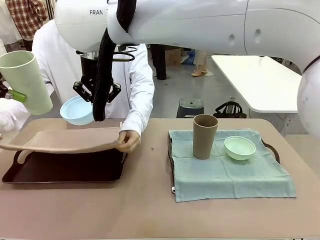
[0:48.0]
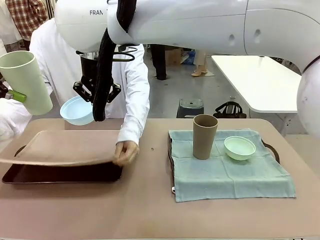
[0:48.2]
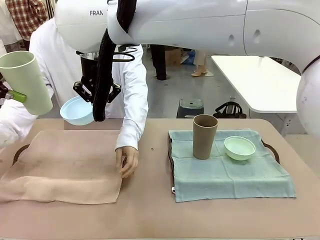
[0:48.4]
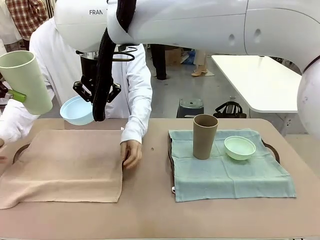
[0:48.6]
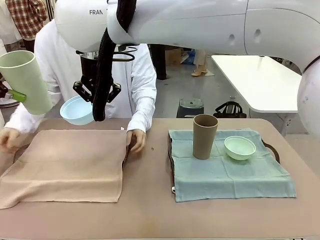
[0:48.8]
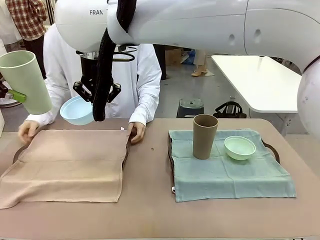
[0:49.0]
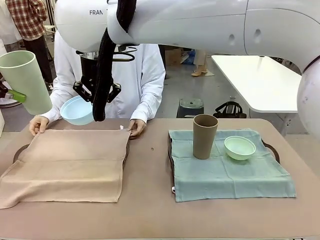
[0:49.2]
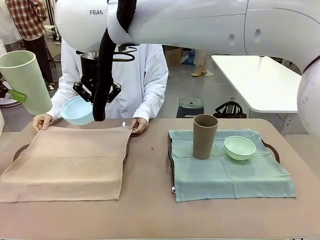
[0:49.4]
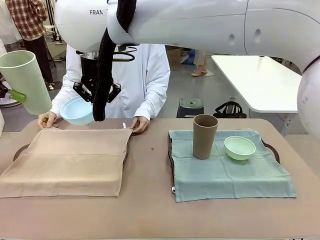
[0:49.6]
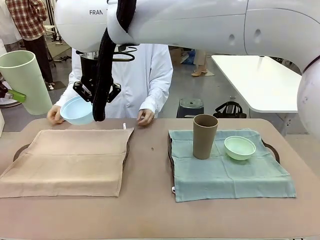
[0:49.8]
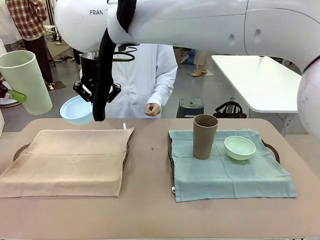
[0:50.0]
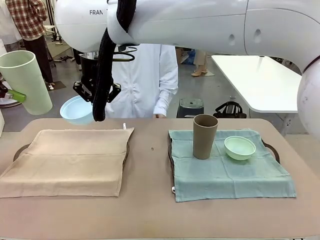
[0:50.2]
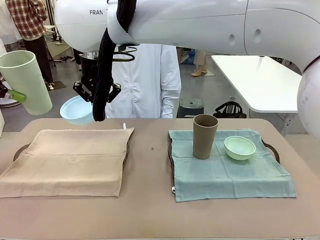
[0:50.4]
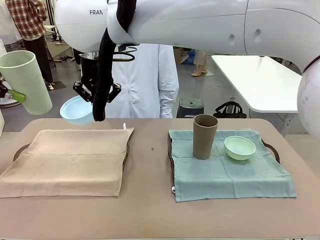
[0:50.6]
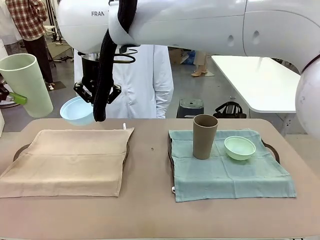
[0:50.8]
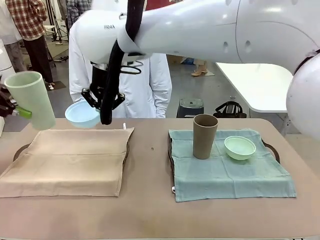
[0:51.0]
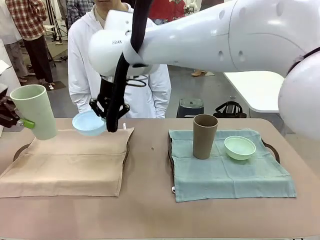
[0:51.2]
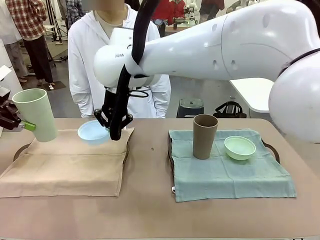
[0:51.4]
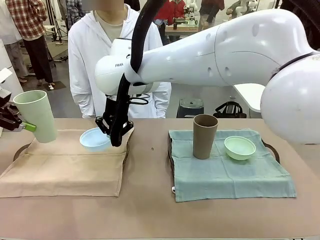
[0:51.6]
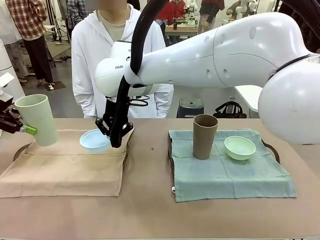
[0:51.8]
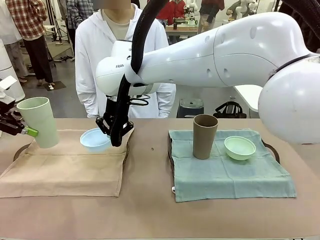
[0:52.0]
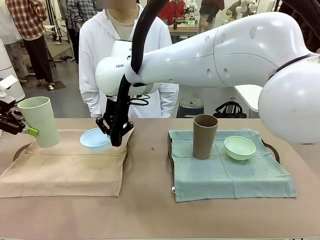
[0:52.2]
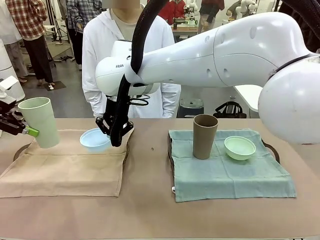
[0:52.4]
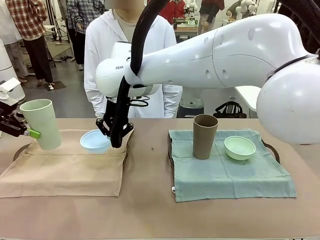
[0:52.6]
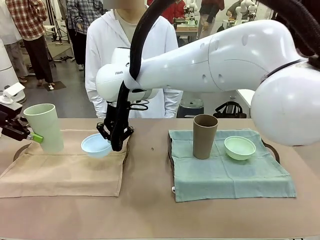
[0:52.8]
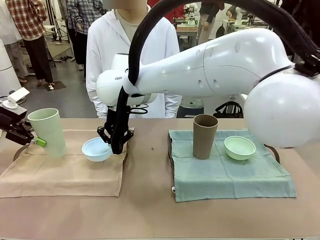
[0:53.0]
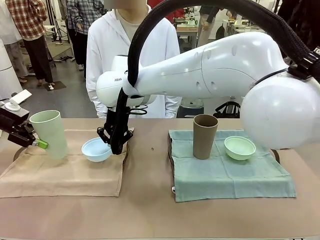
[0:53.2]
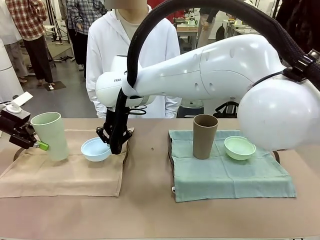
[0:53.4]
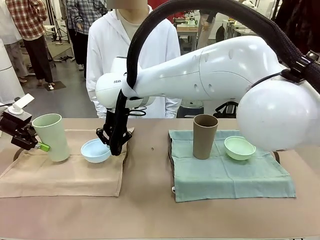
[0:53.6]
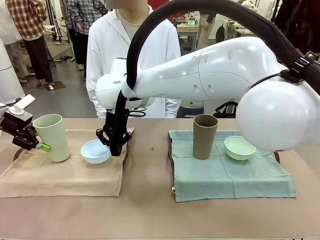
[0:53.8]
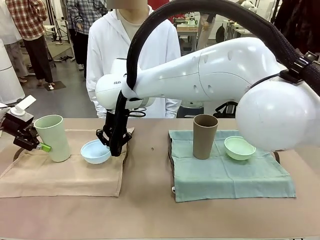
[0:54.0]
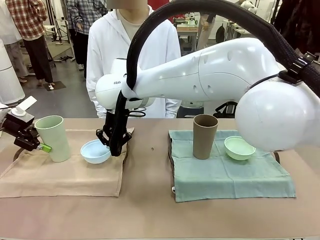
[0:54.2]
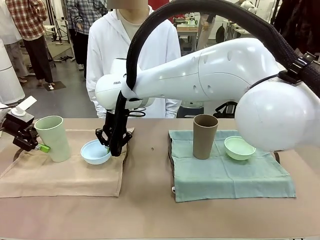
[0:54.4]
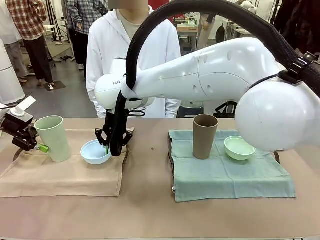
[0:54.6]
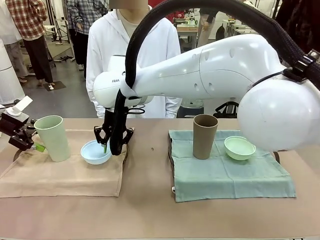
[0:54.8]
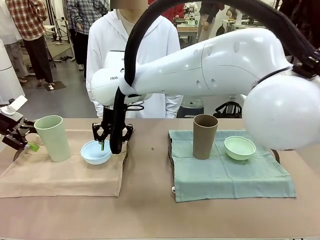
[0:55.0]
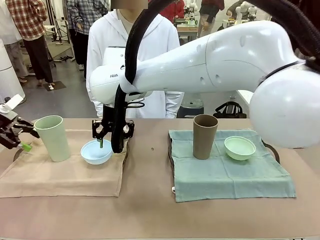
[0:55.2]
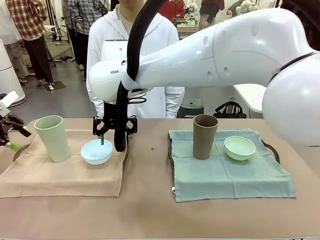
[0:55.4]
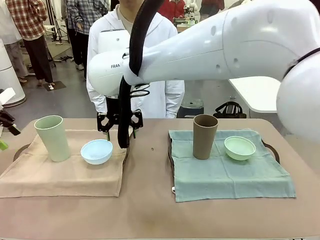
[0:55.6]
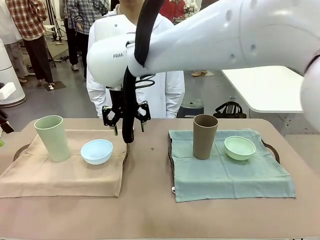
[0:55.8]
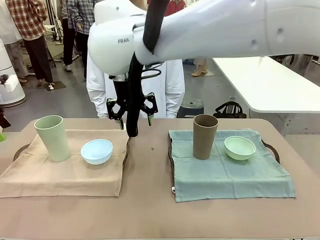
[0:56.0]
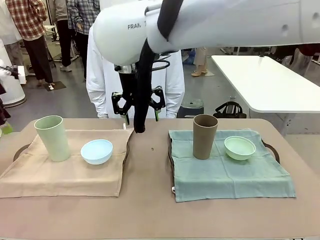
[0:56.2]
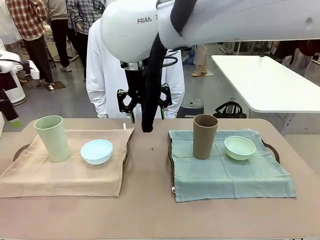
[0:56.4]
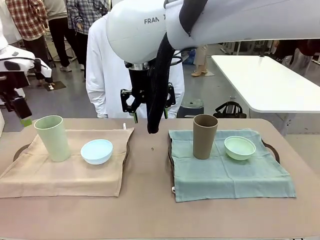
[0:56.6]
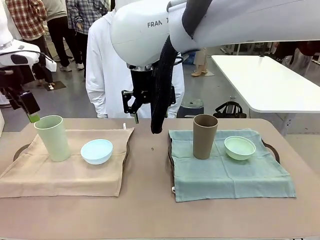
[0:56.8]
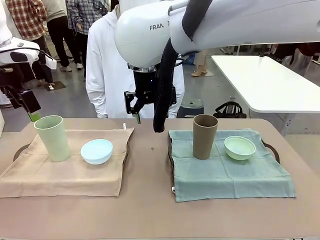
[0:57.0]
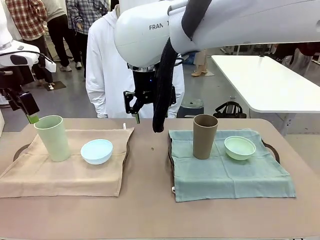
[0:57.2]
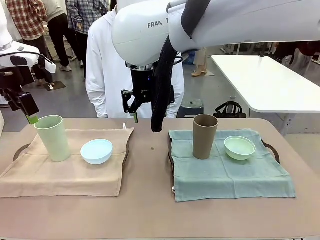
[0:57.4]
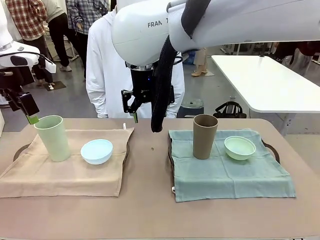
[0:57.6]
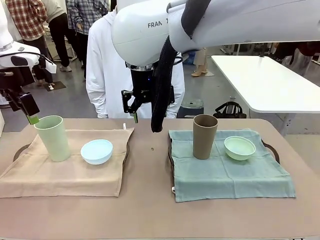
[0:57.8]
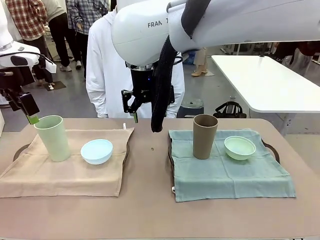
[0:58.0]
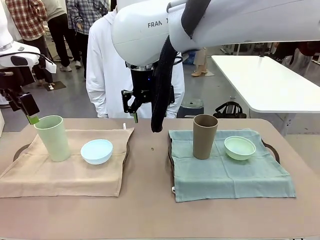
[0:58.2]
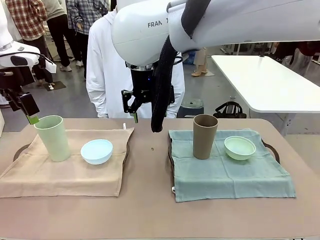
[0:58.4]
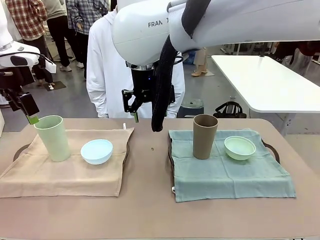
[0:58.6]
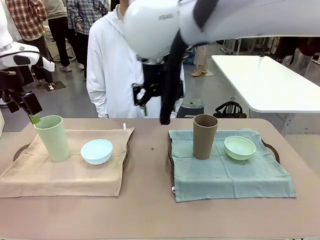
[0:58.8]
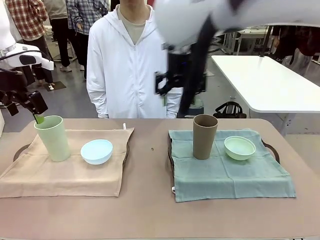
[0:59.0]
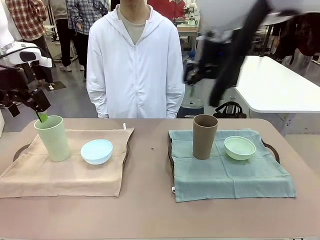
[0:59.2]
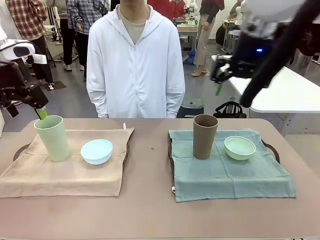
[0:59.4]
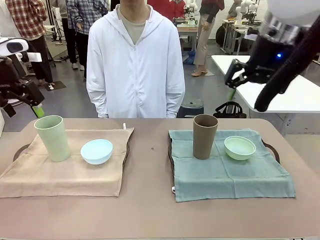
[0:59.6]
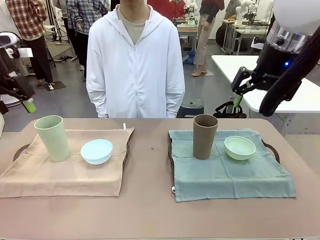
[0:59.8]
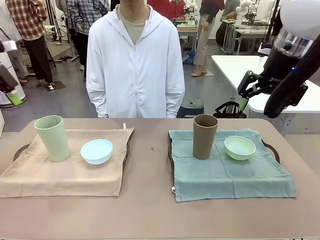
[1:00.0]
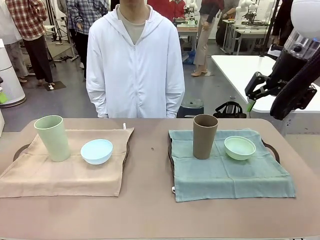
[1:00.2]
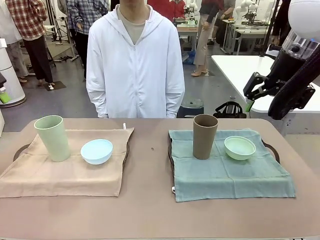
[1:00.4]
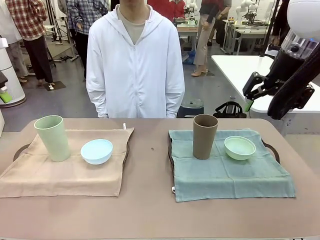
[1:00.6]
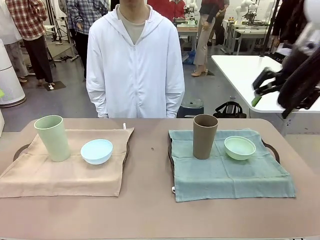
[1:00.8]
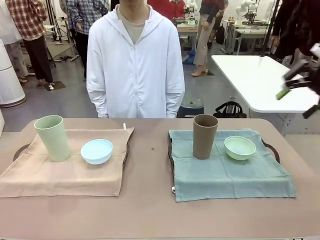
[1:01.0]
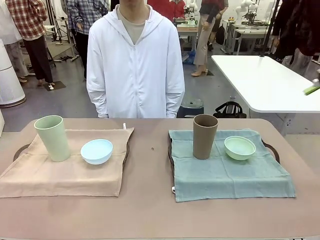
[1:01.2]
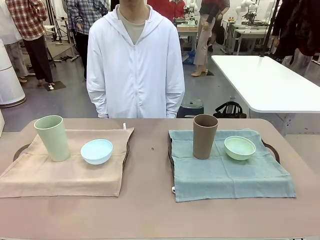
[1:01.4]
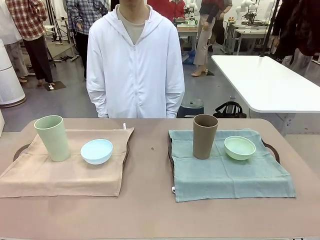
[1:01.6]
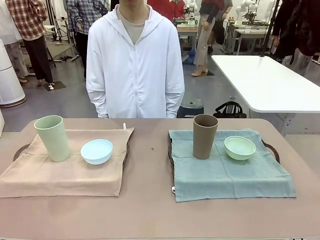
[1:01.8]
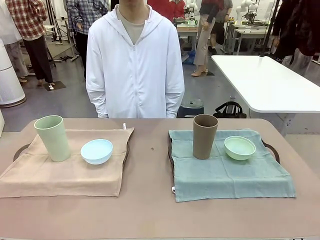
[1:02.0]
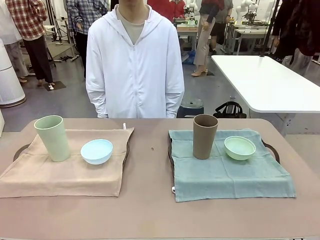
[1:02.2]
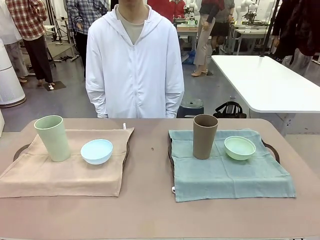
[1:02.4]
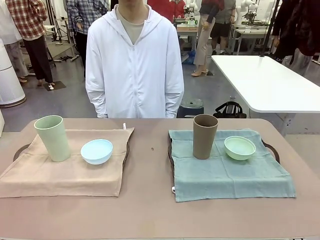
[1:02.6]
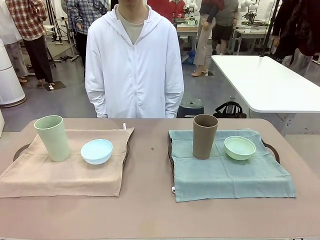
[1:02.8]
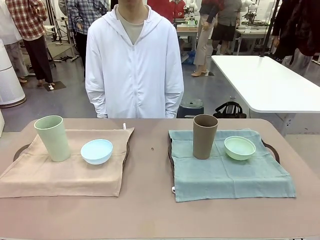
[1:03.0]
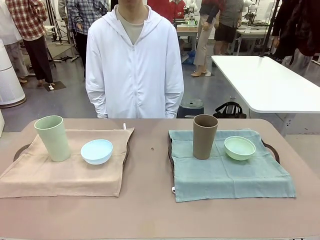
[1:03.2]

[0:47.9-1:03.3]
Robot: Place the Picnic Bowl and Reusable plastic cup back onto the Handle tray in front of the human's position.
Person: When the robot lifts the bowl and the cup, the human unfolds the napkin and lays the napkin flat on the tray.
